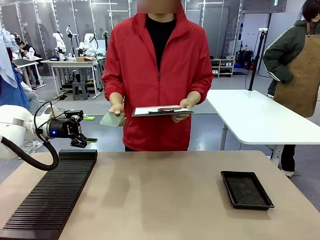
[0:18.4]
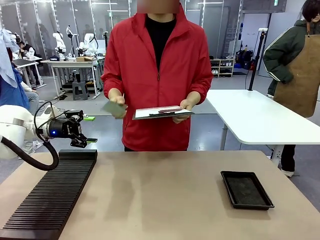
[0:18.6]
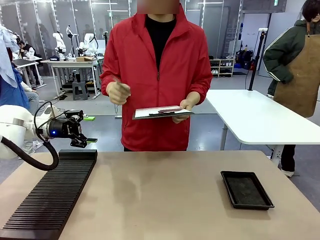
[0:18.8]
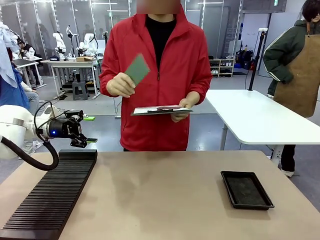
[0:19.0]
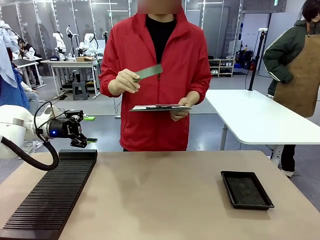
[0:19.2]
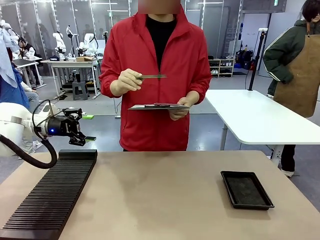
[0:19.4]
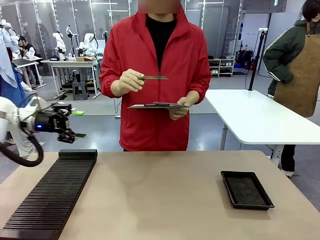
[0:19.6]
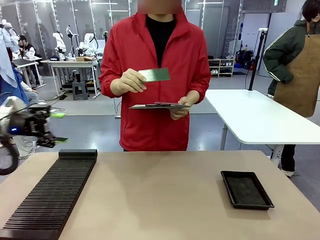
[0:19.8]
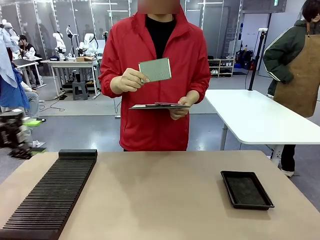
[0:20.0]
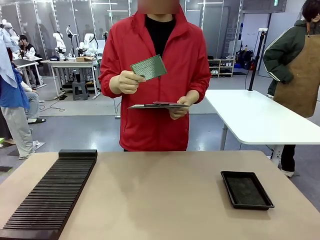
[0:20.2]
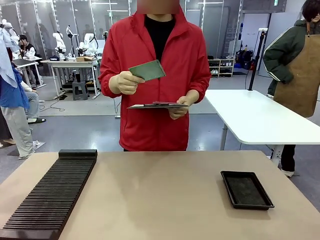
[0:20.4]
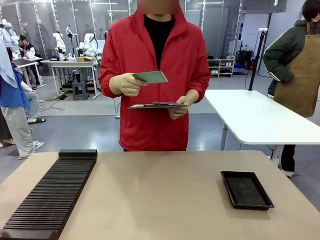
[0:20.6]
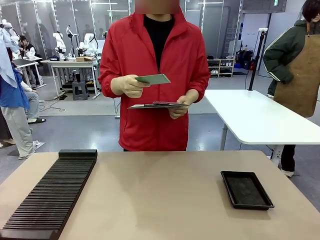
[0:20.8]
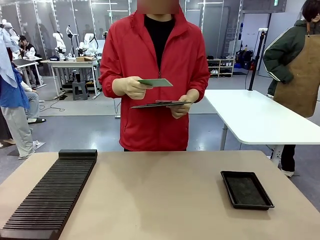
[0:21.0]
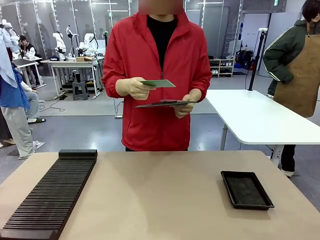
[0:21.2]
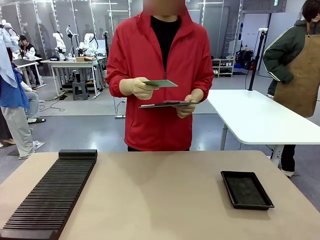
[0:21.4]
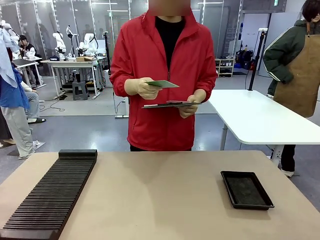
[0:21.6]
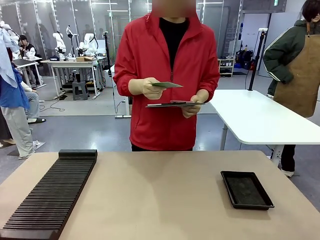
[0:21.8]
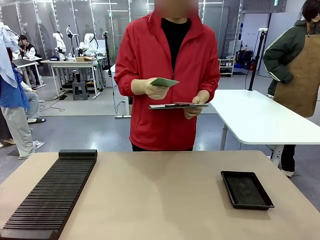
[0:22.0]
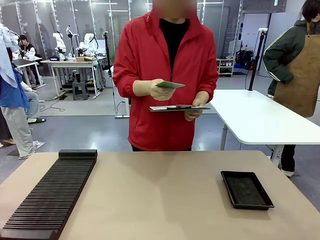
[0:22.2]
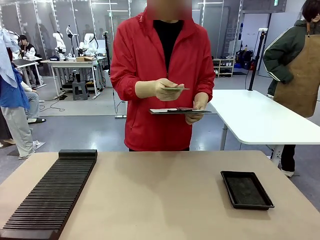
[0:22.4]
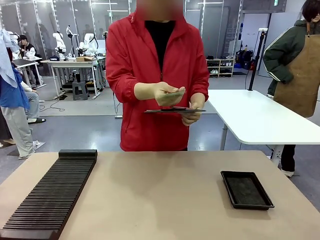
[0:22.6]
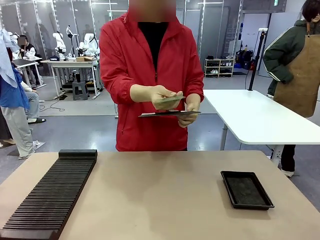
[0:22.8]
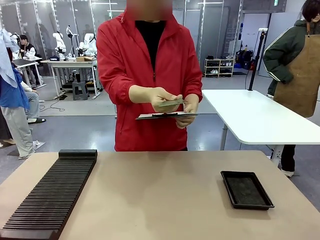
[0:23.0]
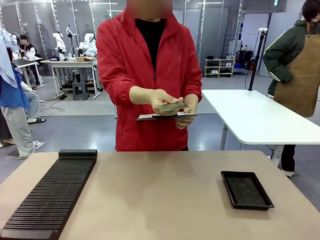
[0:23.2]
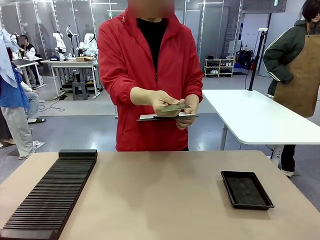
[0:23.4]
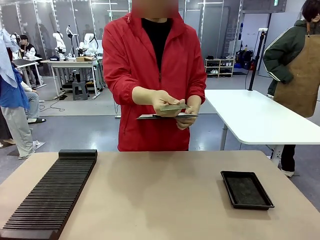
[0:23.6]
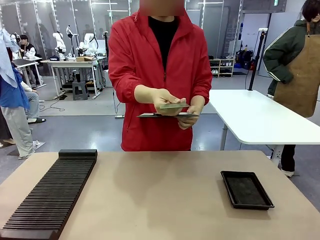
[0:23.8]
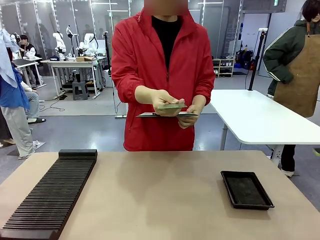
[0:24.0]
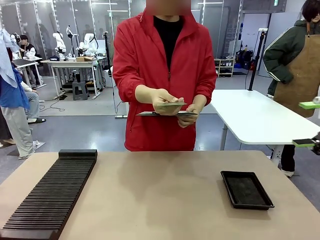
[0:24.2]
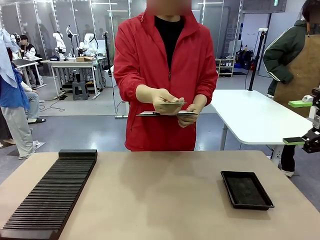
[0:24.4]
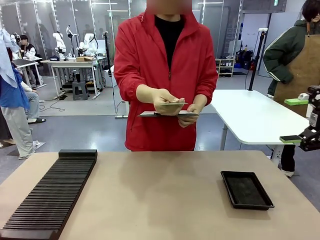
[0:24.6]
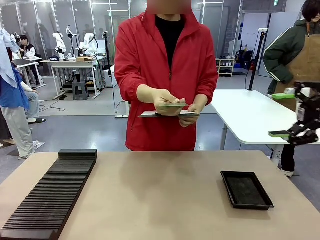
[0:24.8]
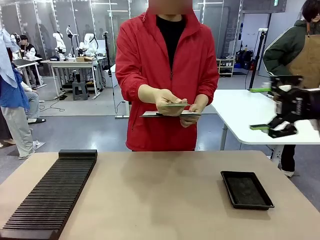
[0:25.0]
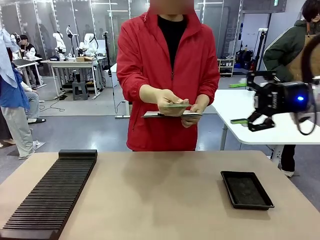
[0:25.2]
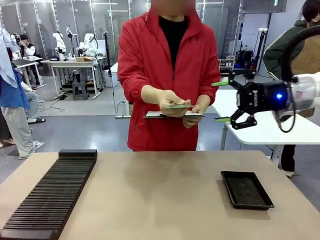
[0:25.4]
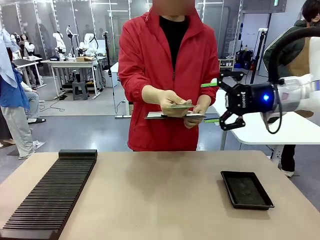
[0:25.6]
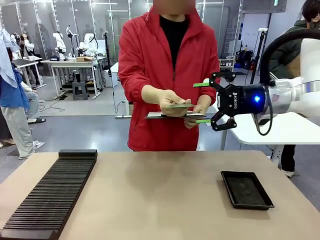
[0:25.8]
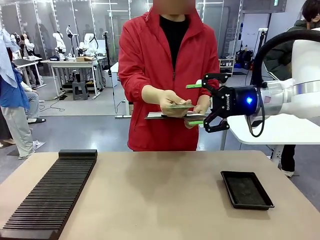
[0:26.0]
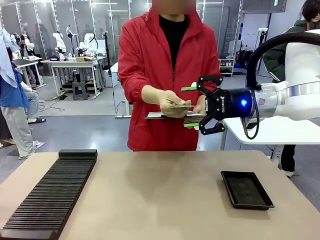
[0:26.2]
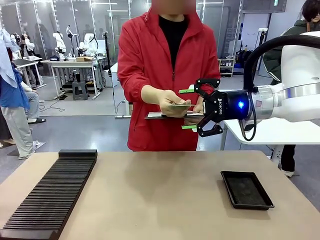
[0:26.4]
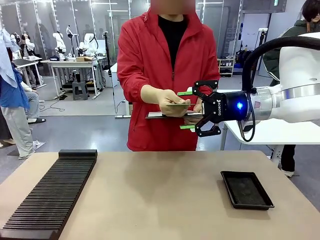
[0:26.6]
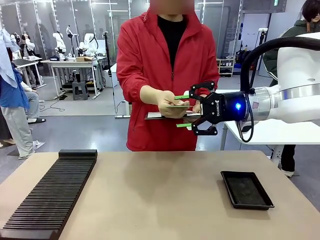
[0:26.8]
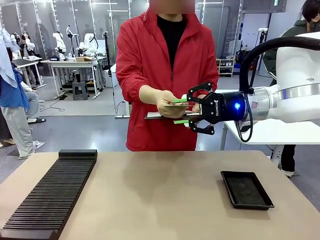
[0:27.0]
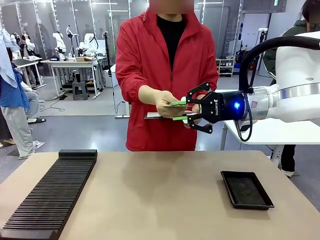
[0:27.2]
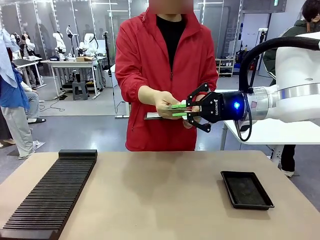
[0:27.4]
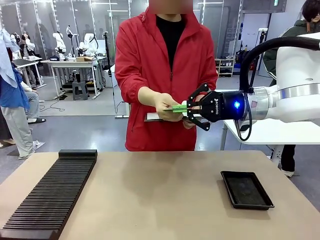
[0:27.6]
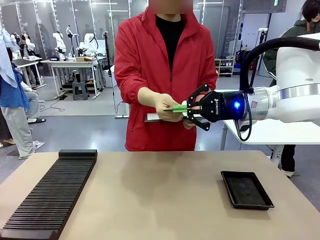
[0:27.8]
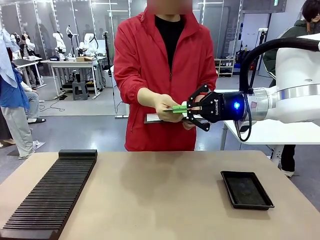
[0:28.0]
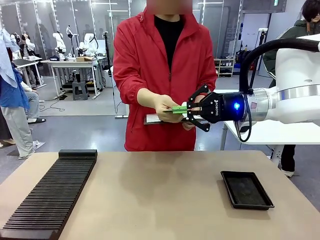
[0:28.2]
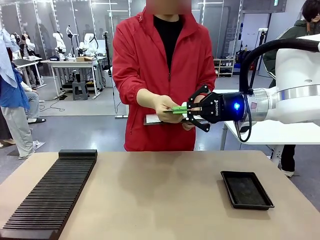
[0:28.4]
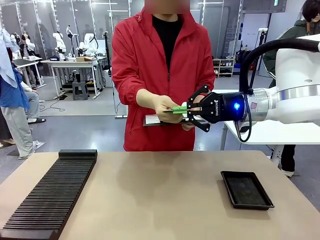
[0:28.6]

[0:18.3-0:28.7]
Task: Inspect the PCB.
Robot: Pick up the Blank PCB that the human is holding.
Person: Inspect the PCB placed by the robot, then hold it out in front of the robot. Release the PCB you were holding.

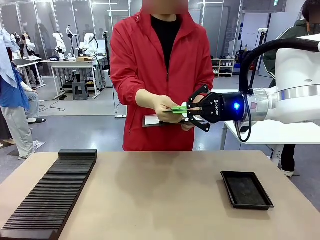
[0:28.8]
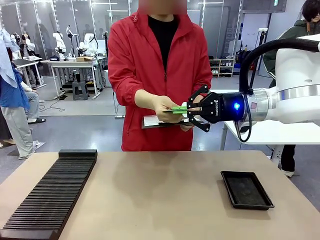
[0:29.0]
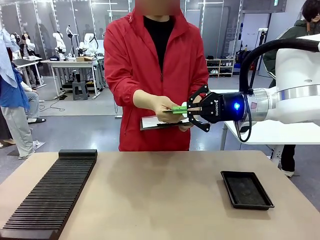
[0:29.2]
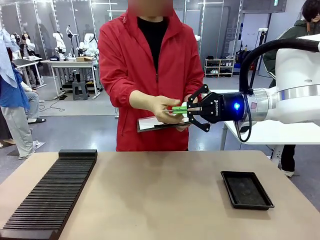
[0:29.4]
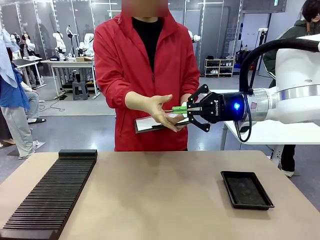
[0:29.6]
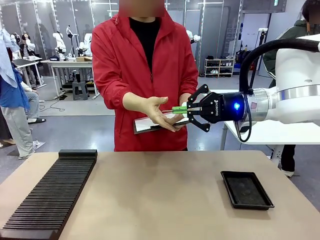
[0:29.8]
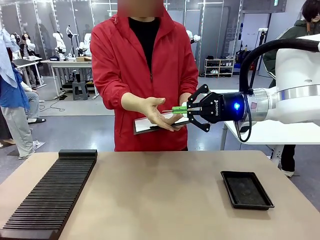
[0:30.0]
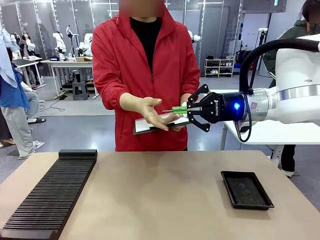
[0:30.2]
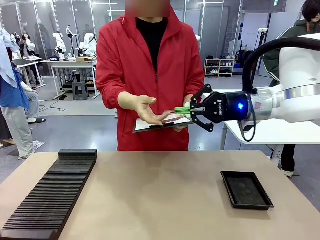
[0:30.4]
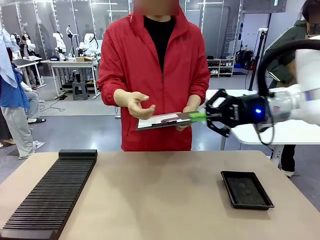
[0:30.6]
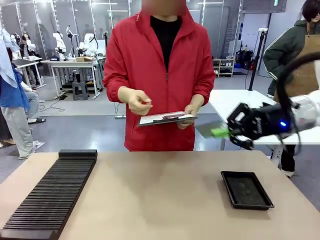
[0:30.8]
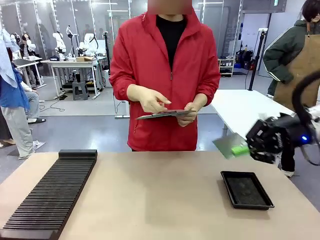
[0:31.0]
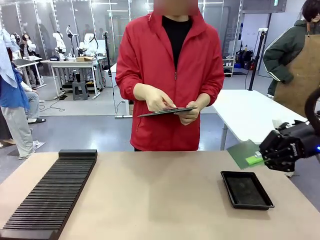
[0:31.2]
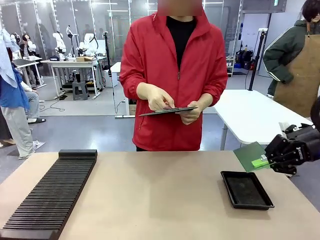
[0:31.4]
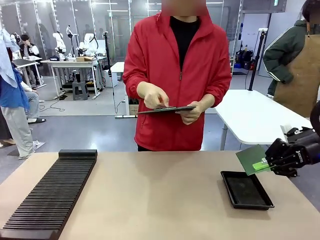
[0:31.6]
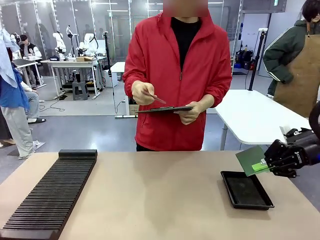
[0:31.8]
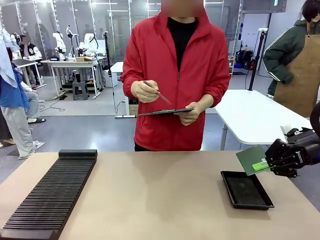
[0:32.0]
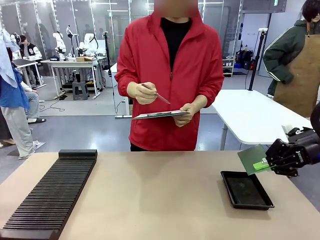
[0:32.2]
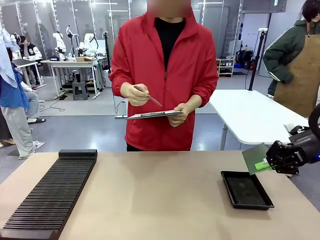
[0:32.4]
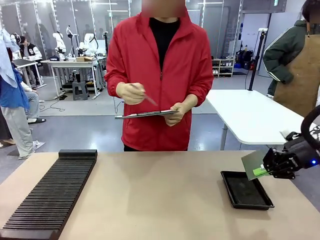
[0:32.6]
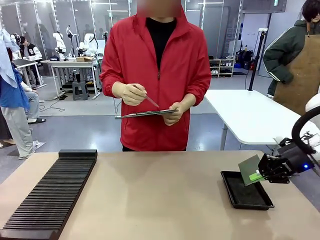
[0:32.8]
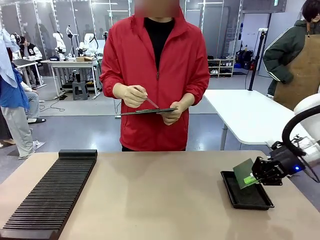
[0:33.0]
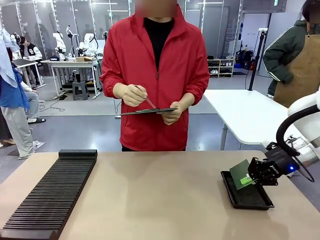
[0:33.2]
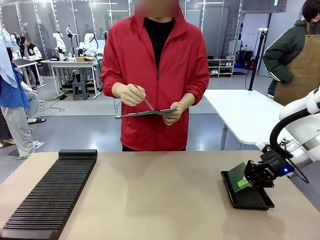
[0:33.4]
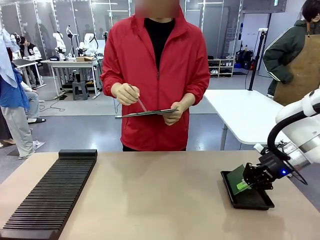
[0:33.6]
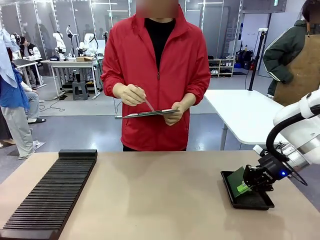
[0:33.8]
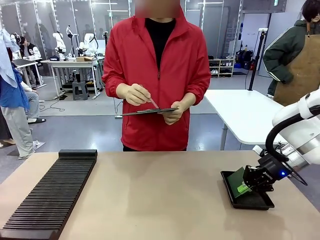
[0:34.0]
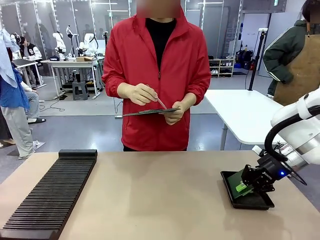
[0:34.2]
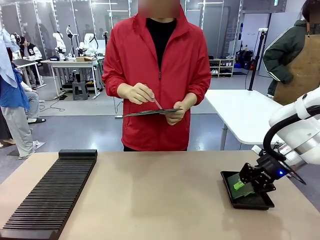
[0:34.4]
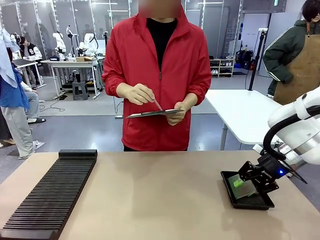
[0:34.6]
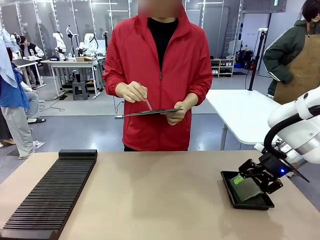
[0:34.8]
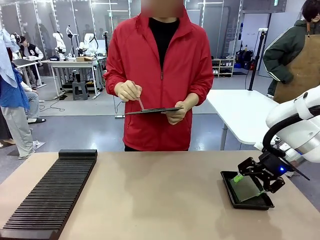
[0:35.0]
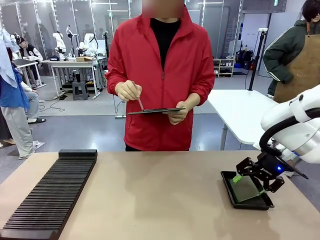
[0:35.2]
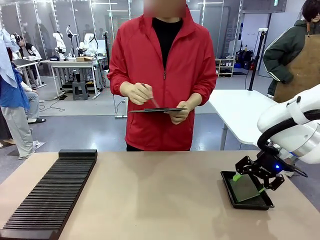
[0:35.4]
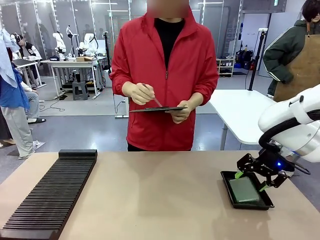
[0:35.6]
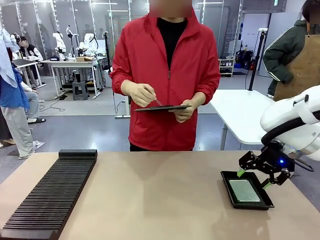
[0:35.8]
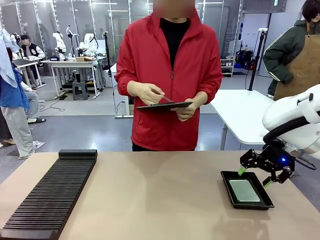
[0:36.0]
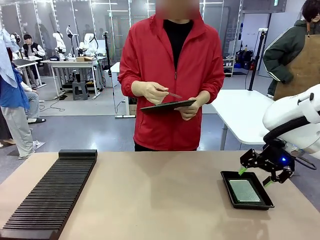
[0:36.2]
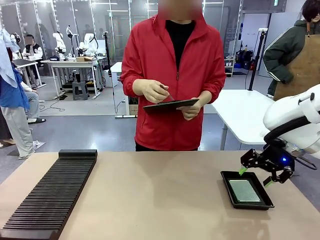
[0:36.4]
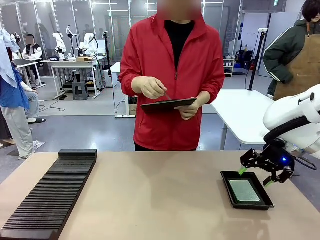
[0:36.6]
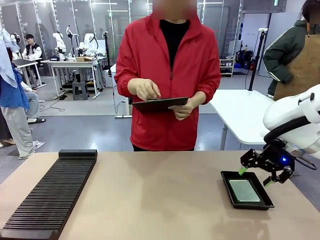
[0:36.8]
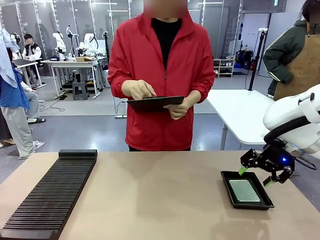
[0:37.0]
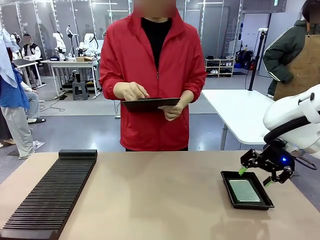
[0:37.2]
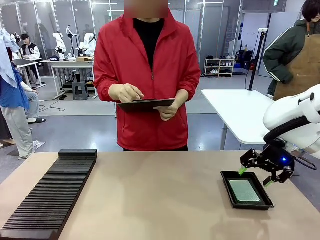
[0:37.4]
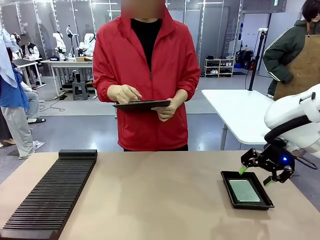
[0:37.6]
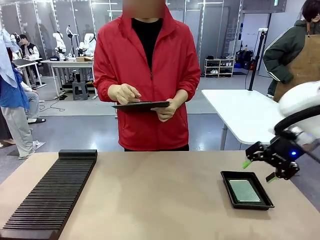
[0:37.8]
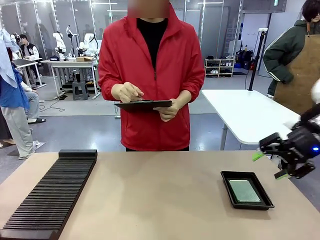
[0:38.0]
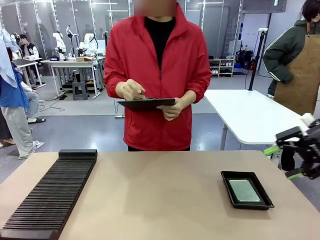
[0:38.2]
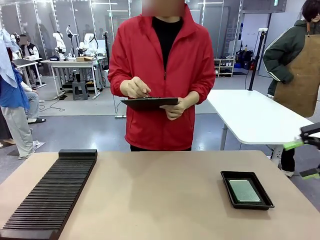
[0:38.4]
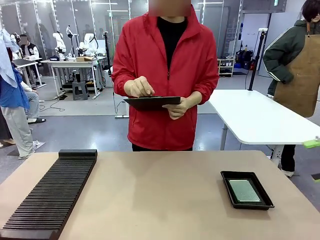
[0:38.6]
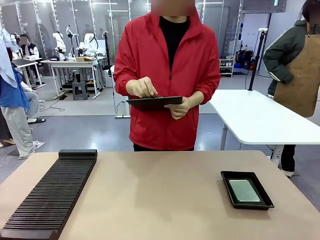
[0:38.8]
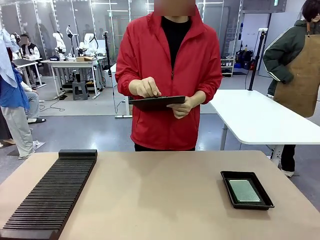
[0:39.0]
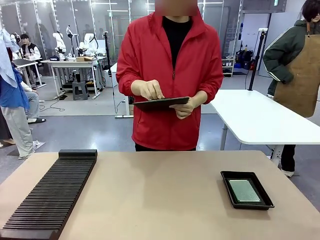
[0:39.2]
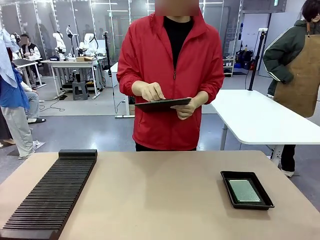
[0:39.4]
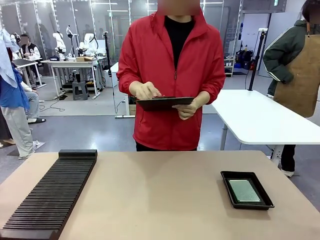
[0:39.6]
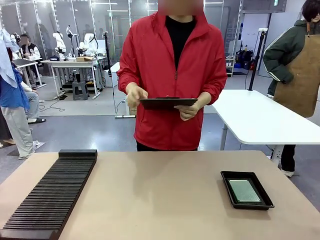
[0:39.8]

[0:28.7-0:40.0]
Robot: Place the Blank PCB in the ESD tray.
Person: Record the PCB status on the paper.
